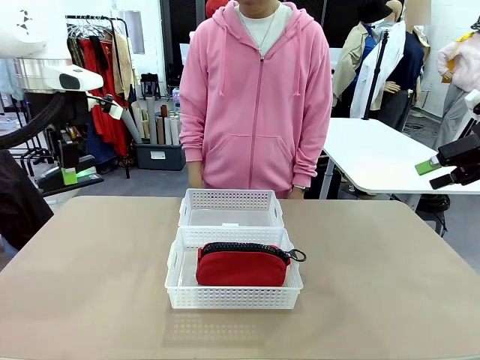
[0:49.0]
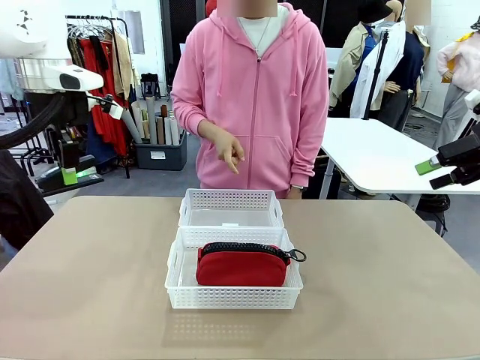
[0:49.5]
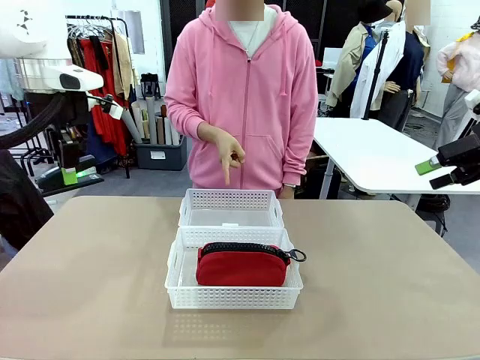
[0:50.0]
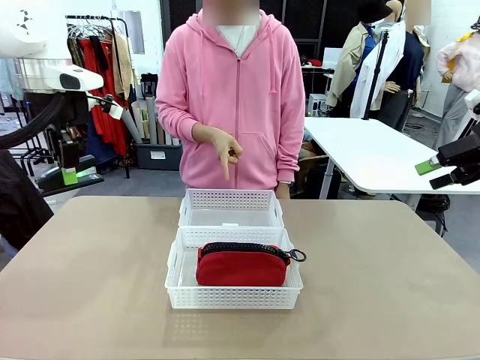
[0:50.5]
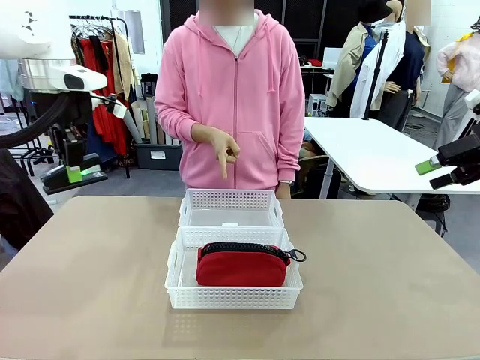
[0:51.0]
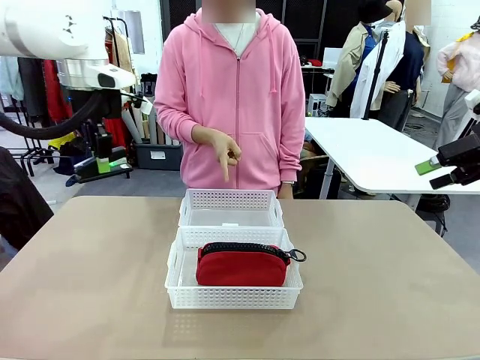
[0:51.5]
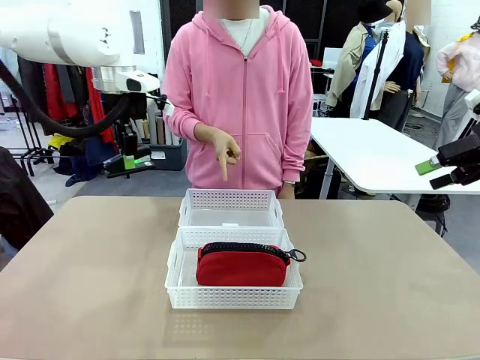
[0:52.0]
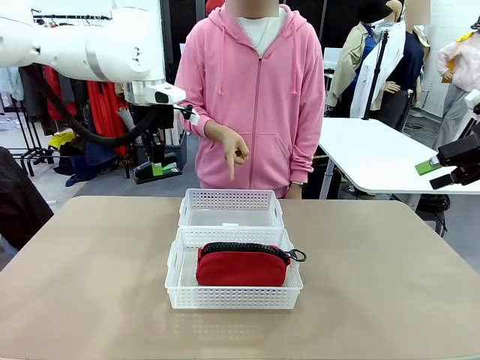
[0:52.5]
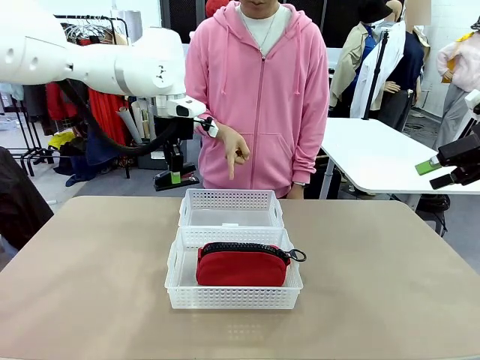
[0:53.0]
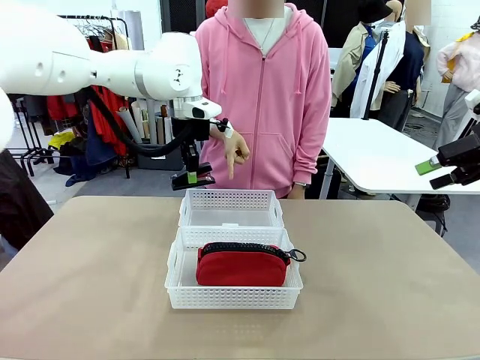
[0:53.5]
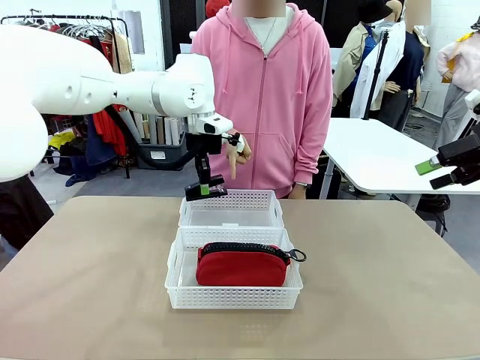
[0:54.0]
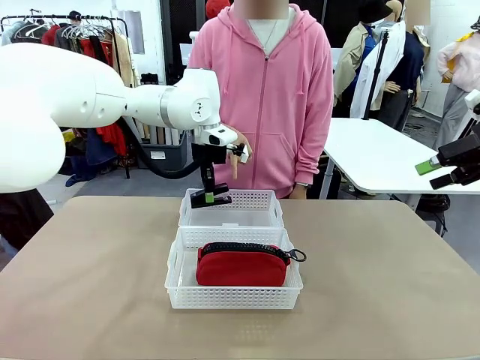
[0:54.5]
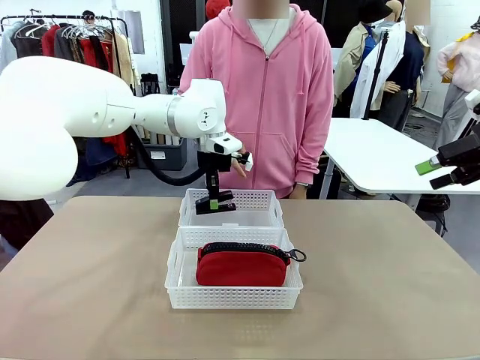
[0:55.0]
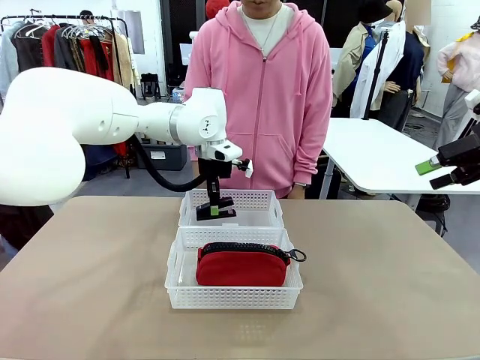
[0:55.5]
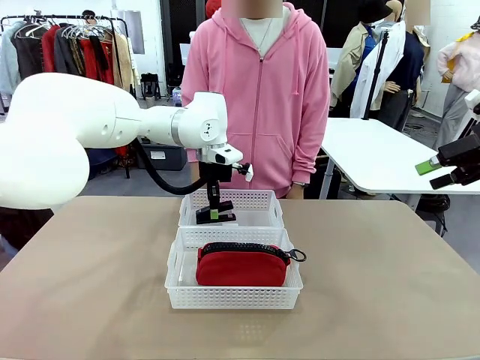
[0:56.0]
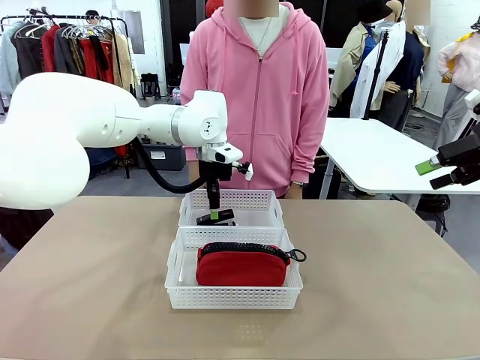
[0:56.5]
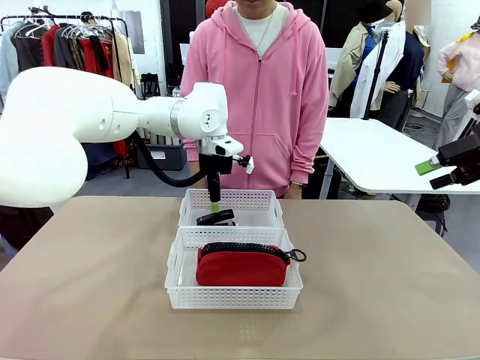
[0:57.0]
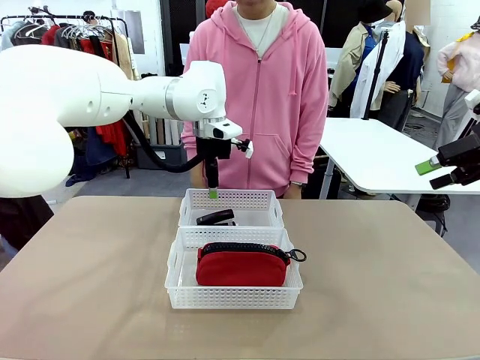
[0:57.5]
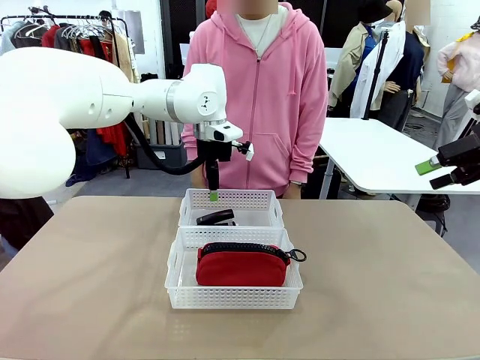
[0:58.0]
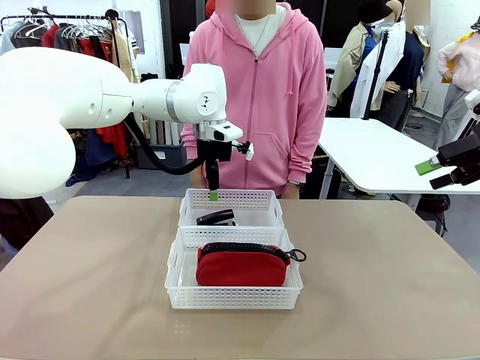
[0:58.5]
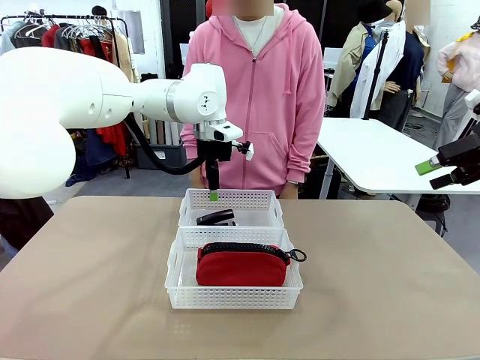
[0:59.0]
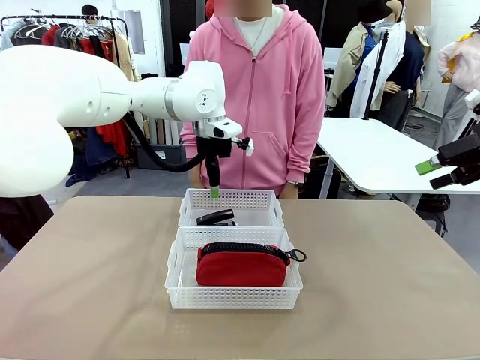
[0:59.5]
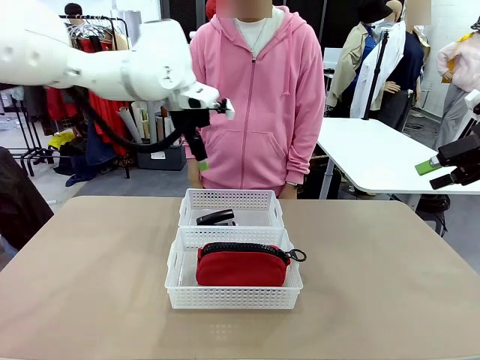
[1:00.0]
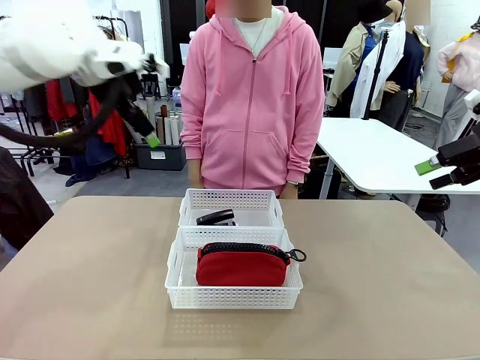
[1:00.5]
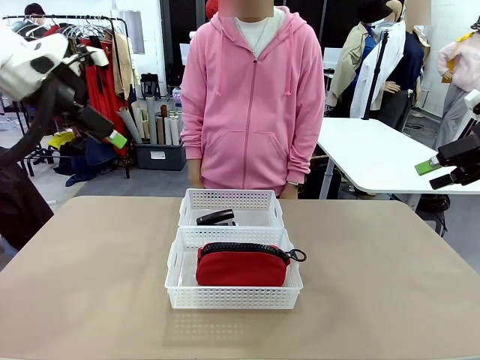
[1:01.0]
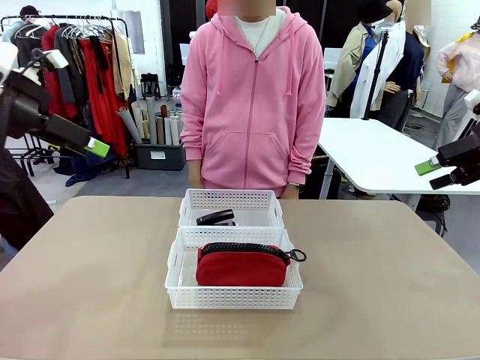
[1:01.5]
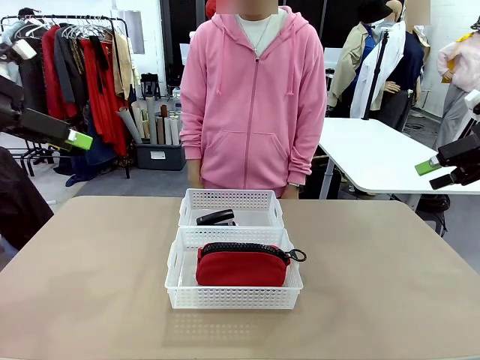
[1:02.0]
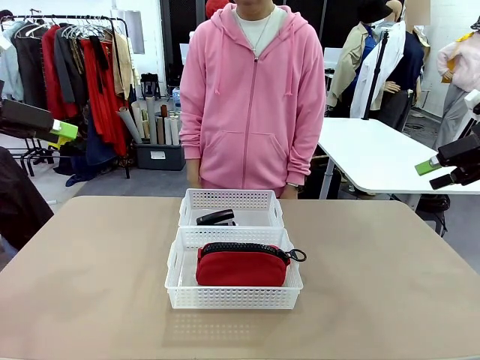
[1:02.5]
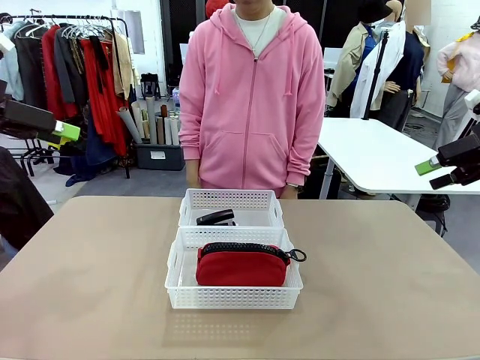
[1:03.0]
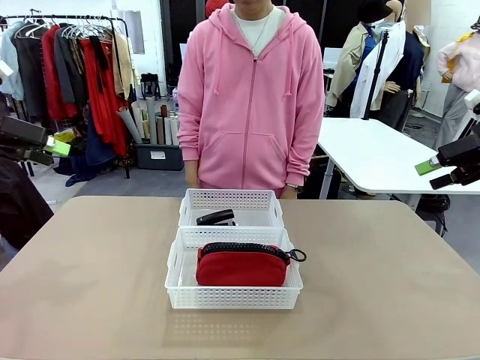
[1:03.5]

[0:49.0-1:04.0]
Task: Distribute items into two baskets.
Robot: Place the picked Stapler into the Organizing basket as instructed by the person.
Person: Points to the basket that does not contain the pencil case and instructs the robot to move the stapler there.

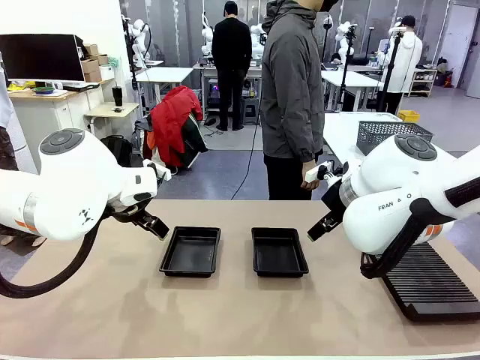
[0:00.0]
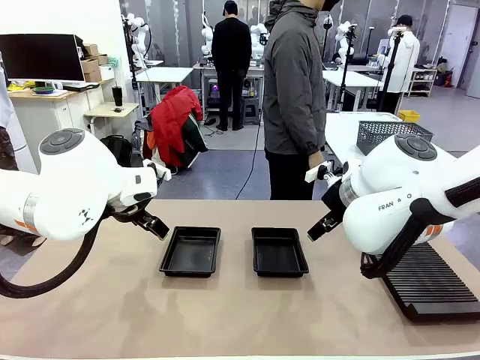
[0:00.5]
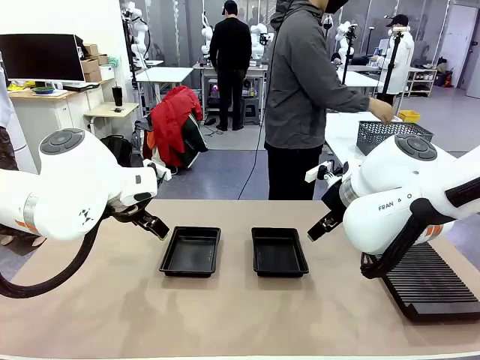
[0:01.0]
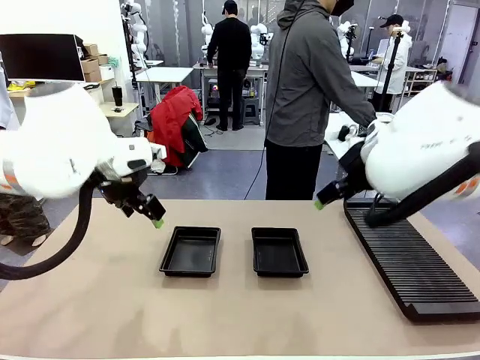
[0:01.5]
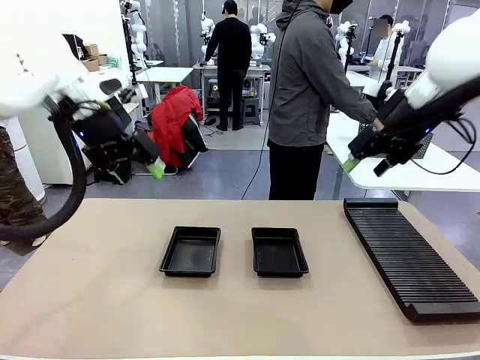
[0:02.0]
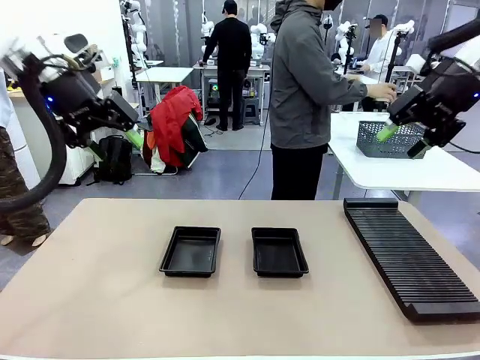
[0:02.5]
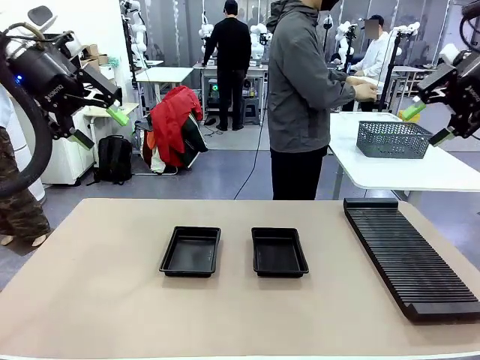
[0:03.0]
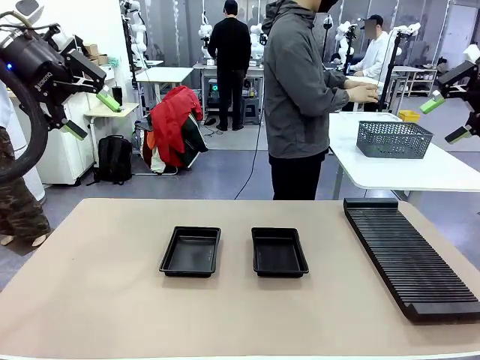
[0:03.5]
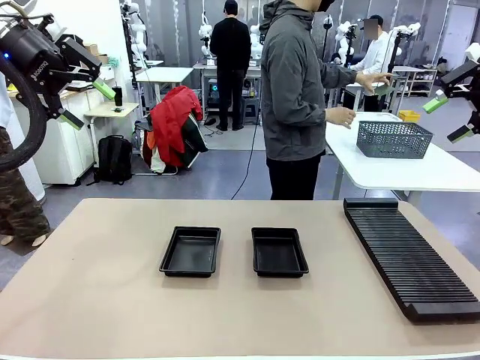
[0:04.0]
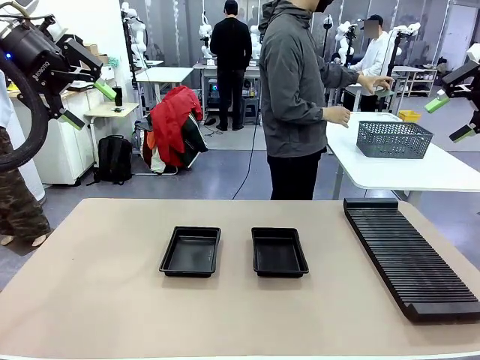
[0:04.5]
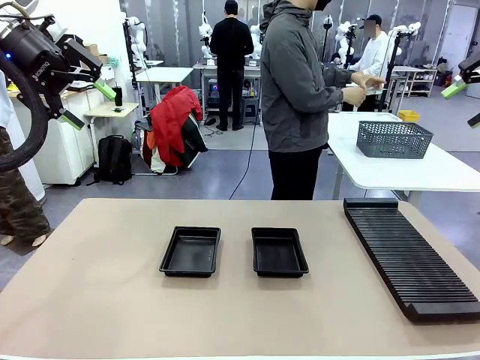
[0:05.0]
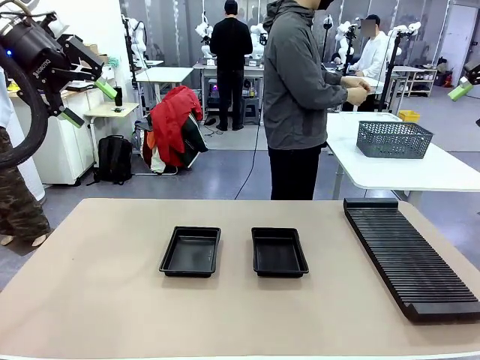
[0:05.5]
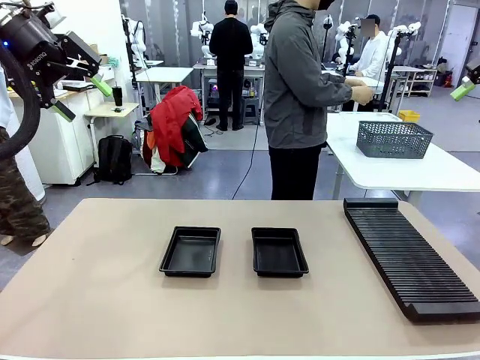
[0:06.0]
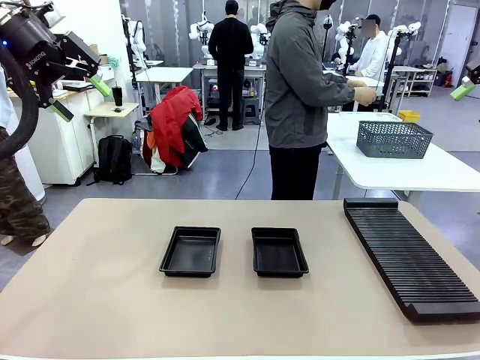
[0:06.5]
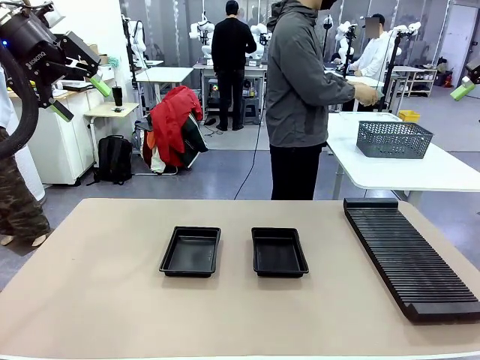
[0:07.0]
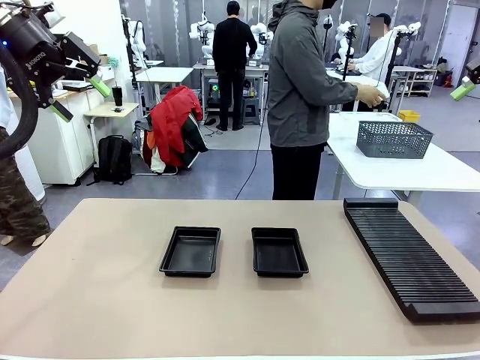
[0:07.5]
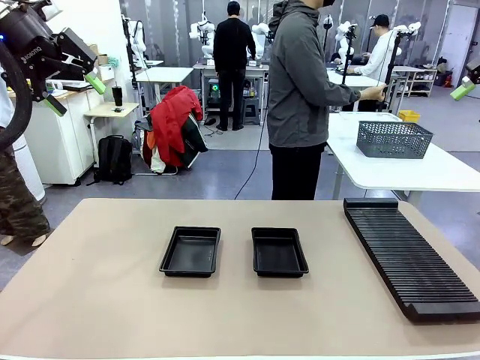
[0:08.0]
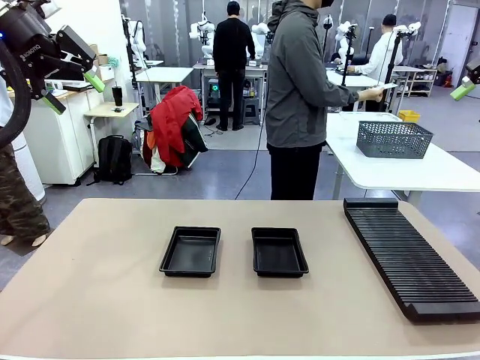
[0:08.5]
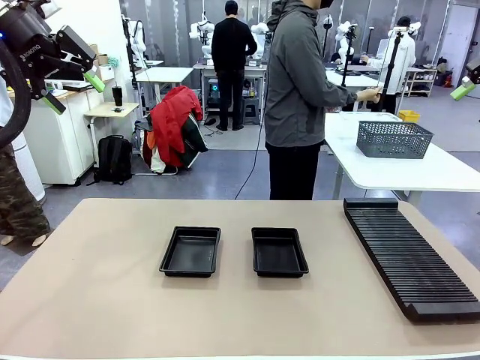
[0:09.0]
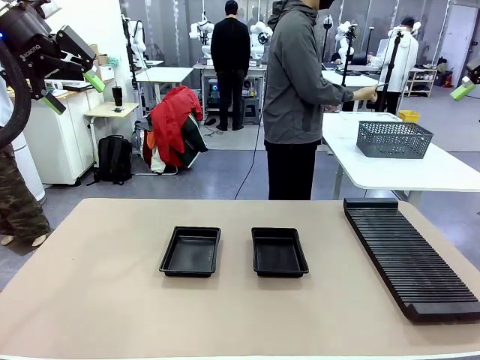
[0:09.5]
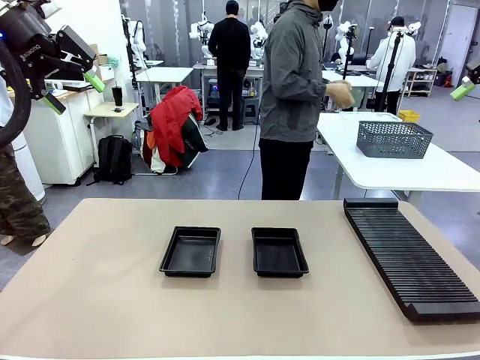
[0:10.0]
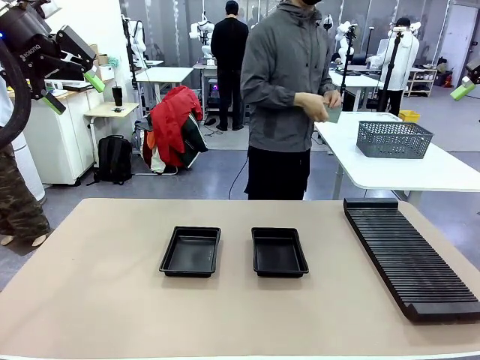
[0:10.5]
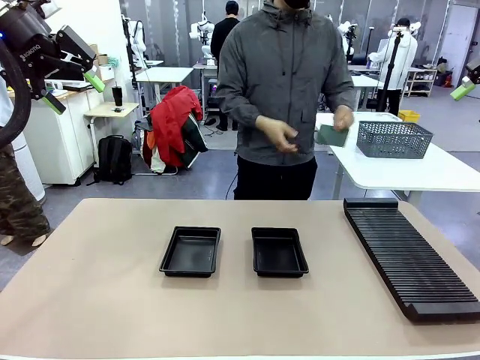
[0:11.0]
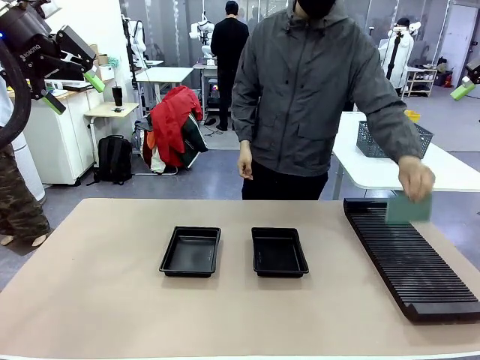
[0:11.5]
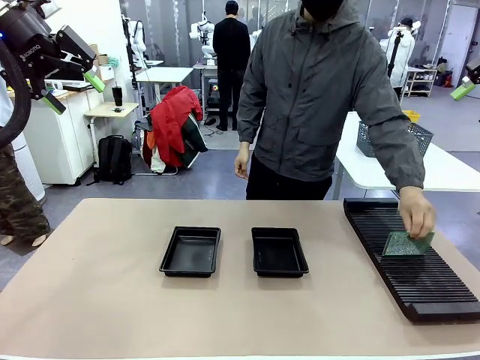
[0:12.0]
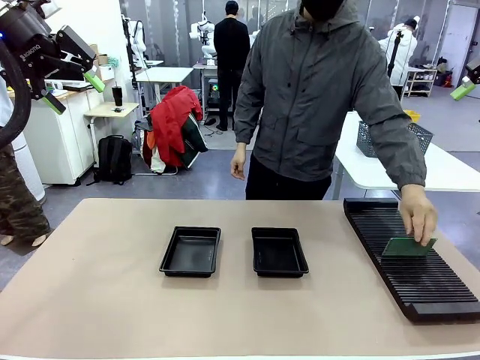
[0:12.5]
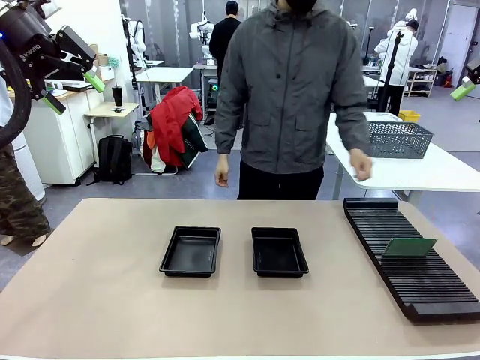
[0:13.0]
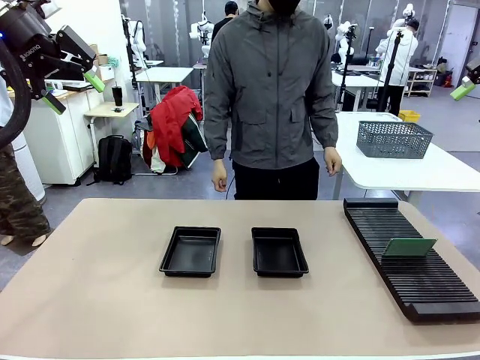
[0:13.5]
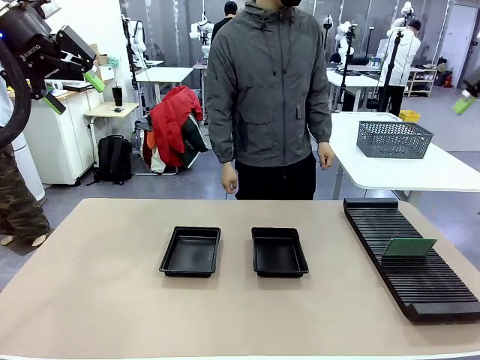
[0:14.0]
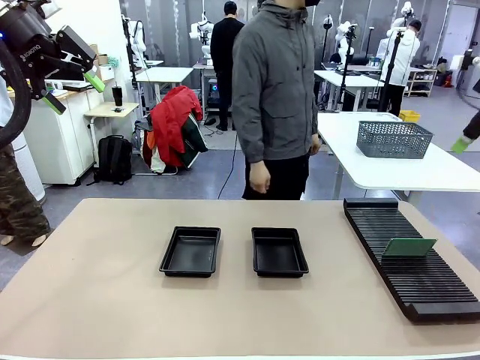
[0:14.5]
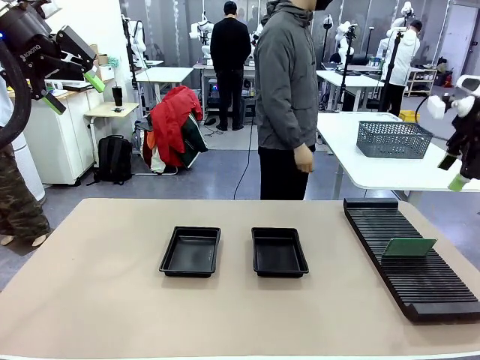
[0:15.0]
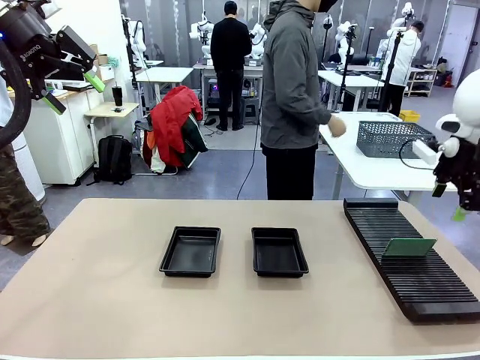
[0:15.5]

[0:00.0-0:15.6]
Task: Inspect and transfer BCBs to ESD trays.
Robot: Pick up the Blank PCB from the PCB Rack and place it in the left ESD tray.
